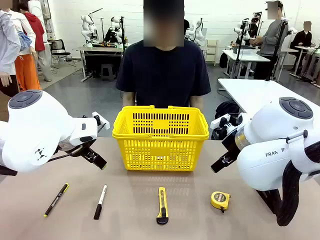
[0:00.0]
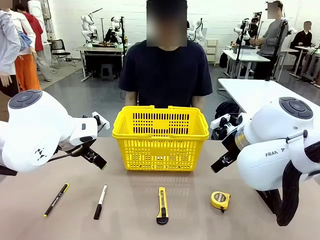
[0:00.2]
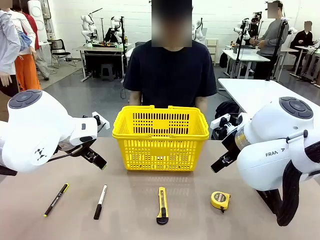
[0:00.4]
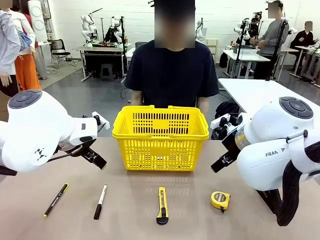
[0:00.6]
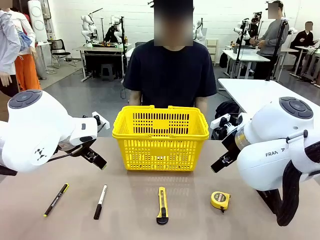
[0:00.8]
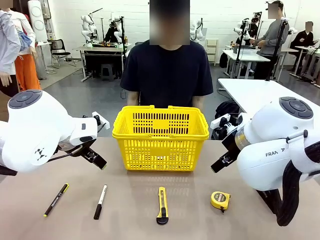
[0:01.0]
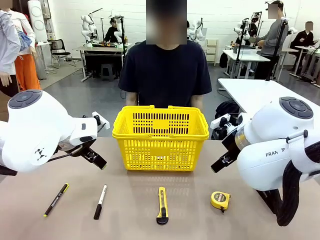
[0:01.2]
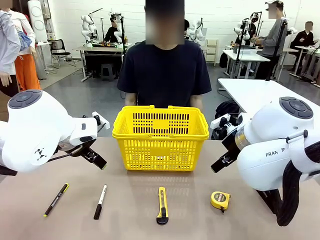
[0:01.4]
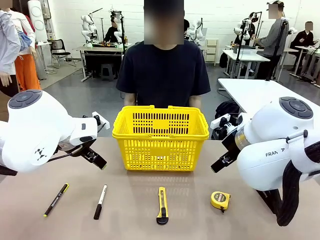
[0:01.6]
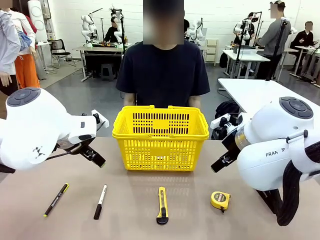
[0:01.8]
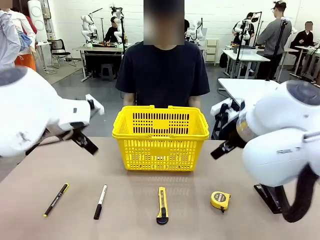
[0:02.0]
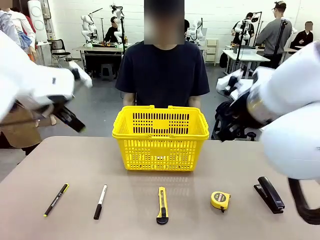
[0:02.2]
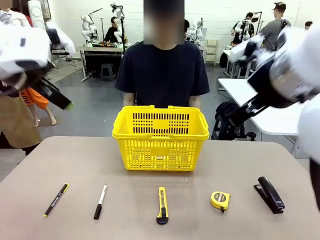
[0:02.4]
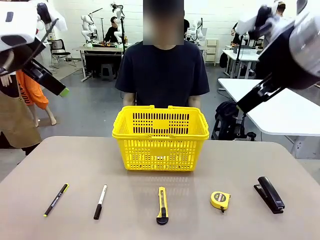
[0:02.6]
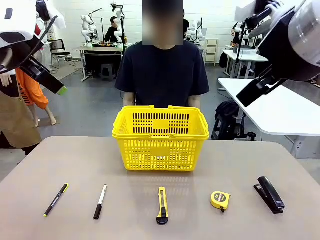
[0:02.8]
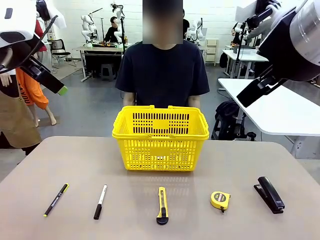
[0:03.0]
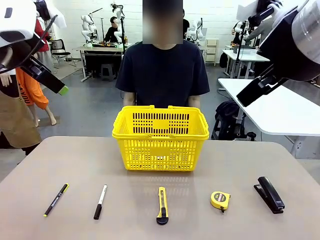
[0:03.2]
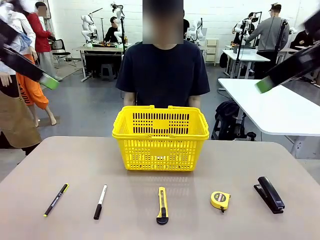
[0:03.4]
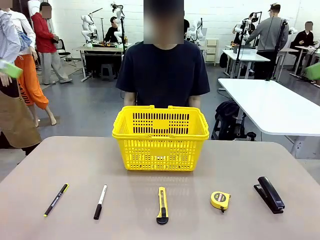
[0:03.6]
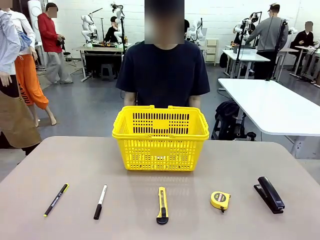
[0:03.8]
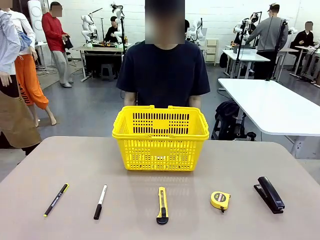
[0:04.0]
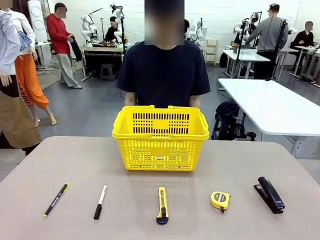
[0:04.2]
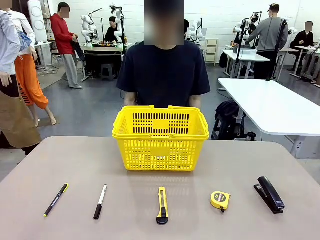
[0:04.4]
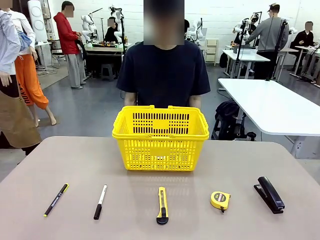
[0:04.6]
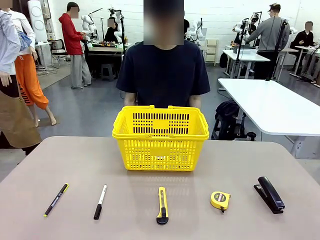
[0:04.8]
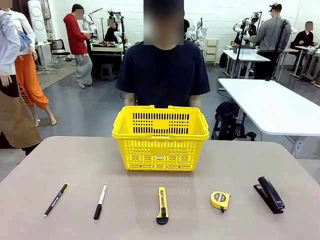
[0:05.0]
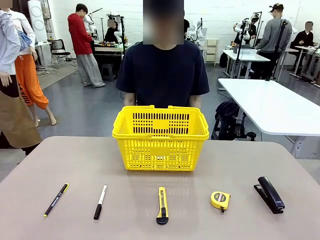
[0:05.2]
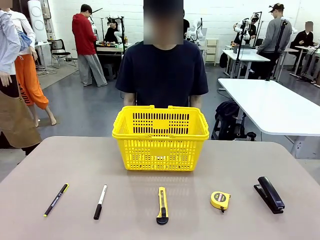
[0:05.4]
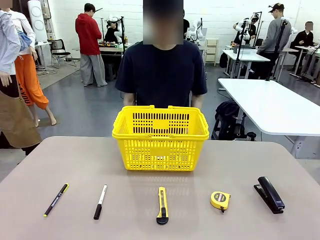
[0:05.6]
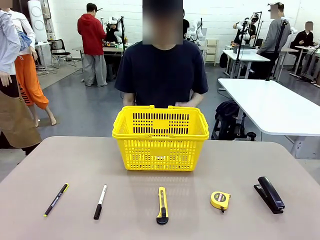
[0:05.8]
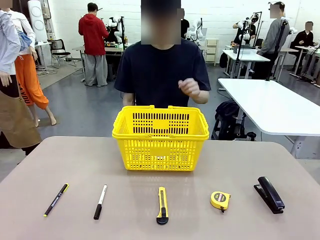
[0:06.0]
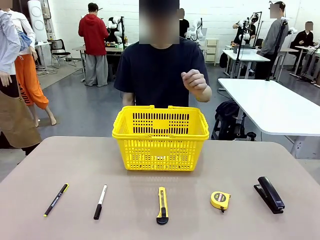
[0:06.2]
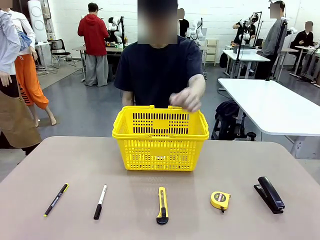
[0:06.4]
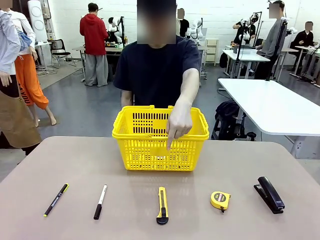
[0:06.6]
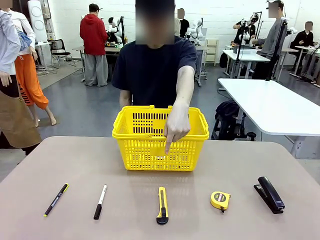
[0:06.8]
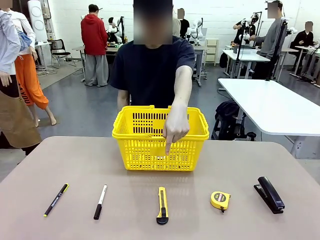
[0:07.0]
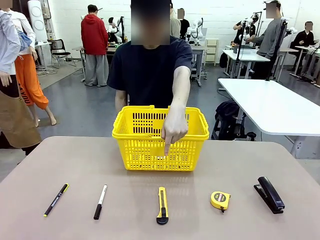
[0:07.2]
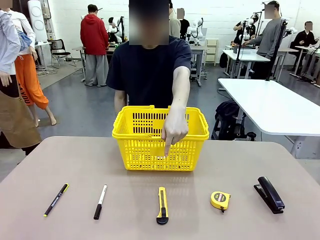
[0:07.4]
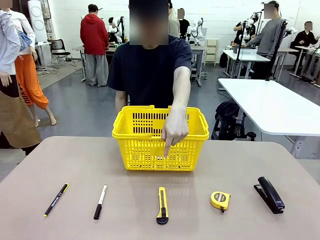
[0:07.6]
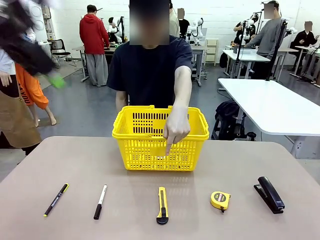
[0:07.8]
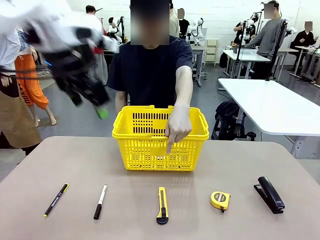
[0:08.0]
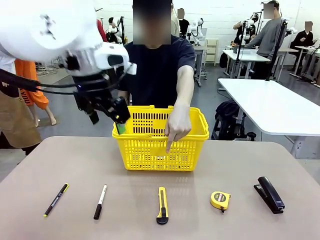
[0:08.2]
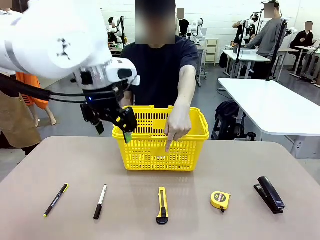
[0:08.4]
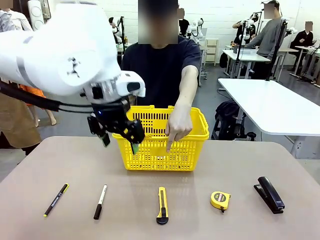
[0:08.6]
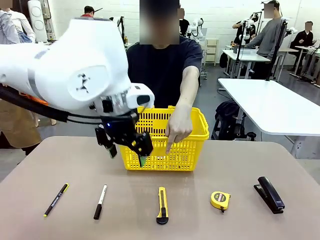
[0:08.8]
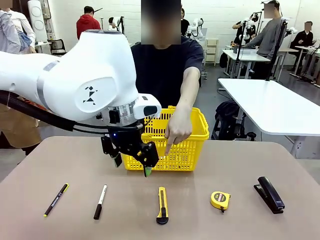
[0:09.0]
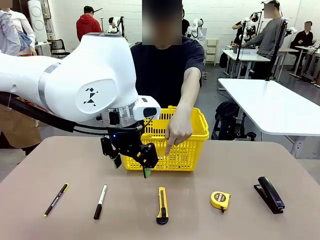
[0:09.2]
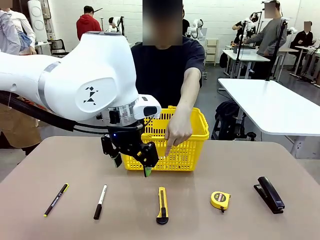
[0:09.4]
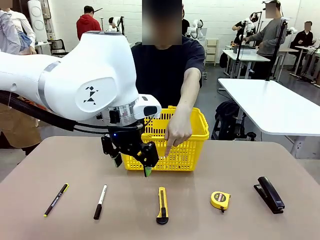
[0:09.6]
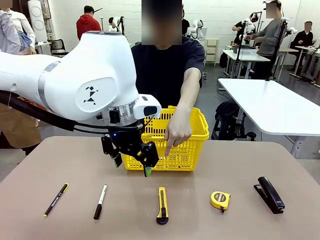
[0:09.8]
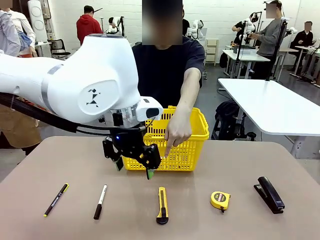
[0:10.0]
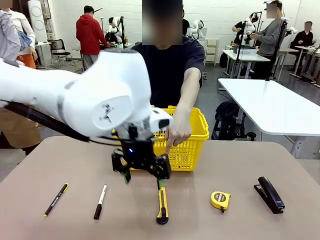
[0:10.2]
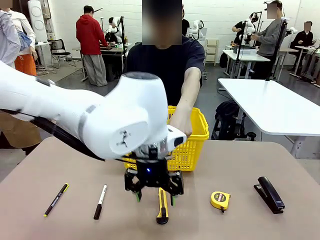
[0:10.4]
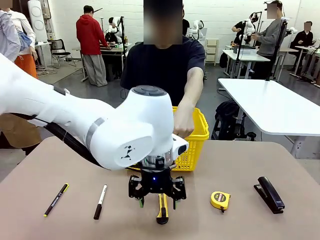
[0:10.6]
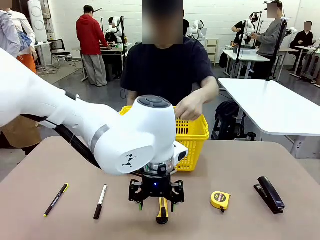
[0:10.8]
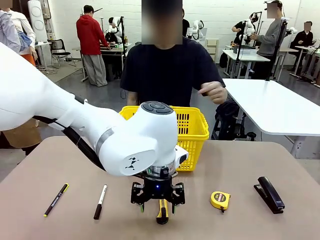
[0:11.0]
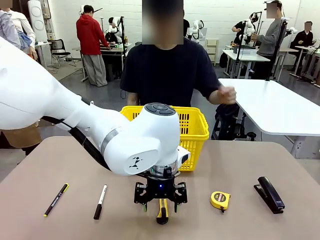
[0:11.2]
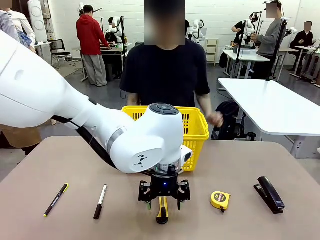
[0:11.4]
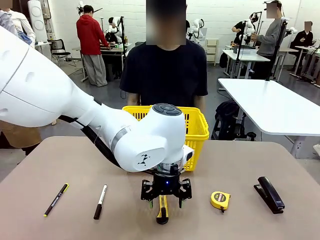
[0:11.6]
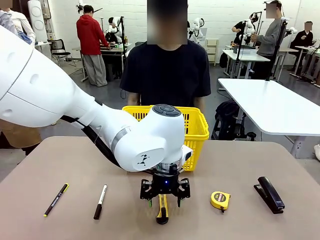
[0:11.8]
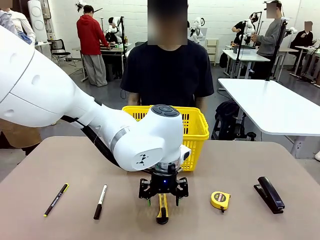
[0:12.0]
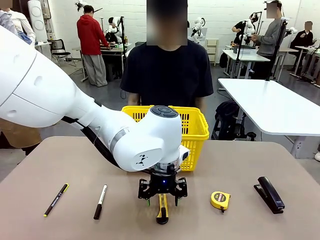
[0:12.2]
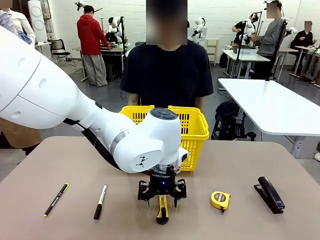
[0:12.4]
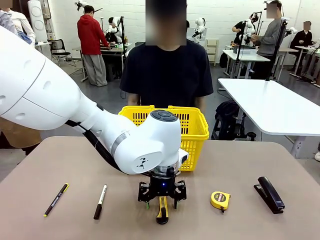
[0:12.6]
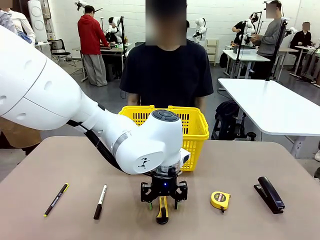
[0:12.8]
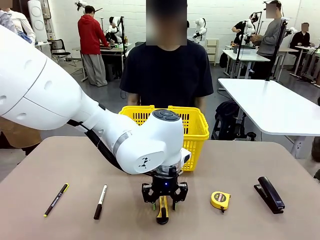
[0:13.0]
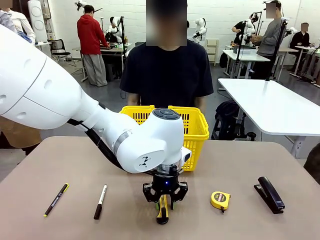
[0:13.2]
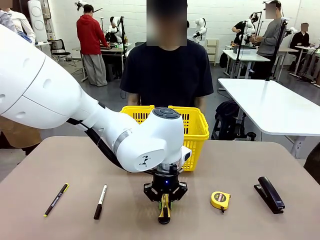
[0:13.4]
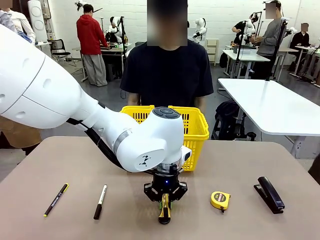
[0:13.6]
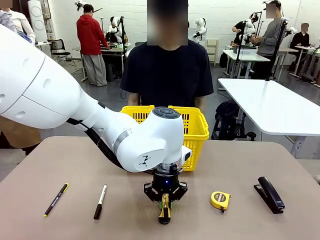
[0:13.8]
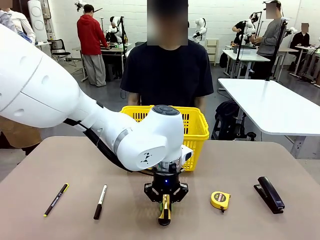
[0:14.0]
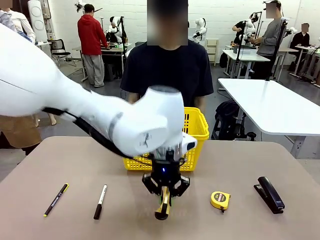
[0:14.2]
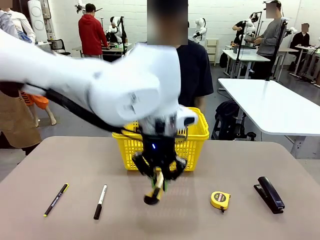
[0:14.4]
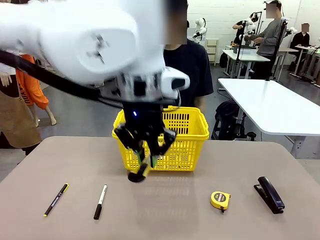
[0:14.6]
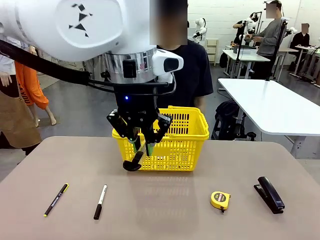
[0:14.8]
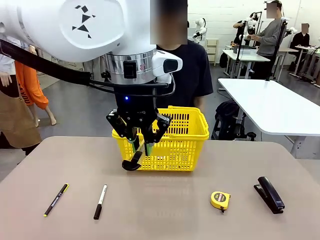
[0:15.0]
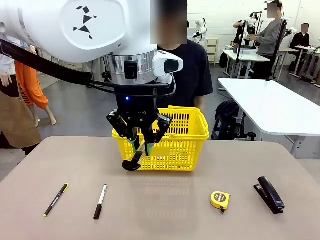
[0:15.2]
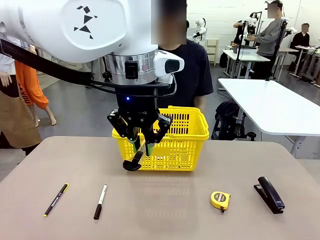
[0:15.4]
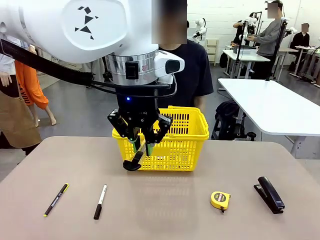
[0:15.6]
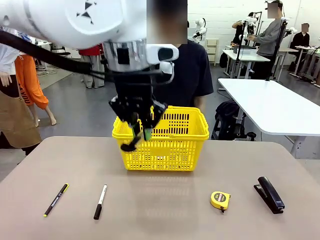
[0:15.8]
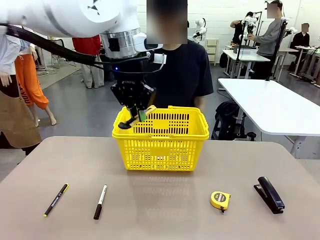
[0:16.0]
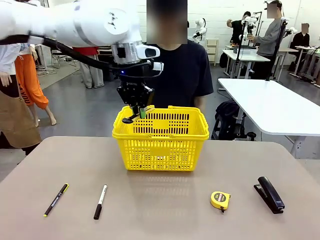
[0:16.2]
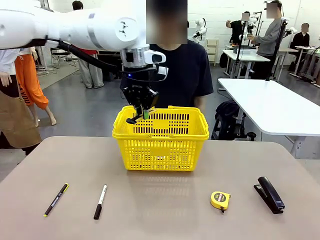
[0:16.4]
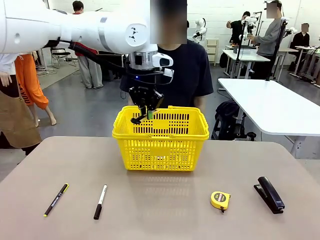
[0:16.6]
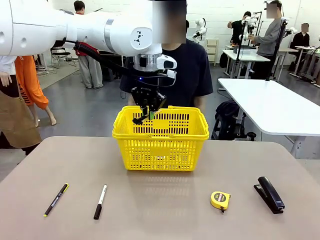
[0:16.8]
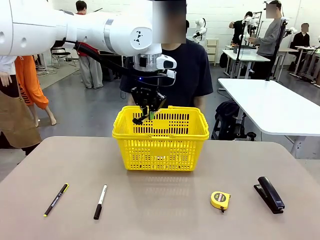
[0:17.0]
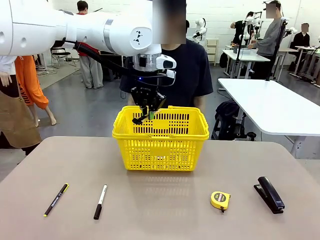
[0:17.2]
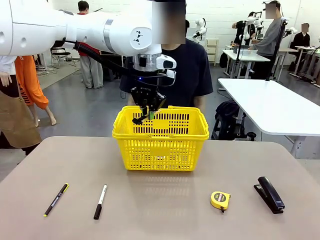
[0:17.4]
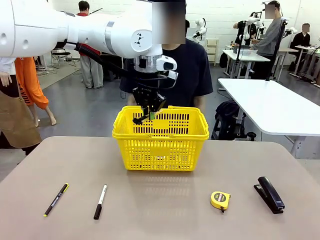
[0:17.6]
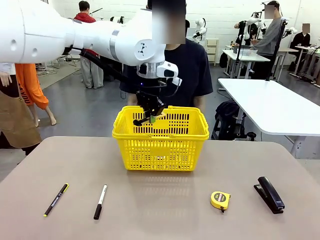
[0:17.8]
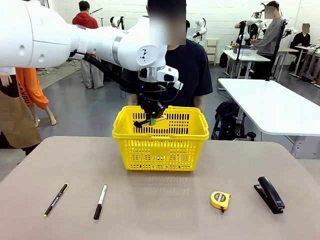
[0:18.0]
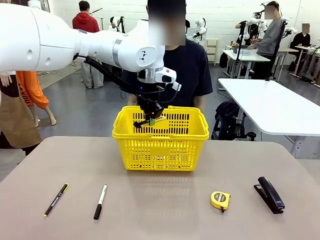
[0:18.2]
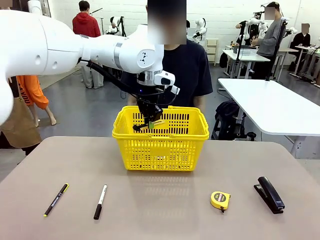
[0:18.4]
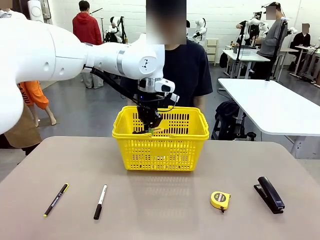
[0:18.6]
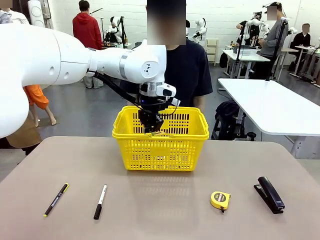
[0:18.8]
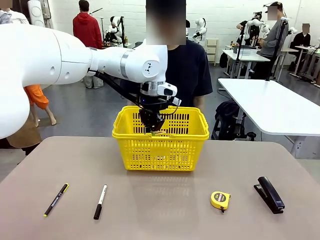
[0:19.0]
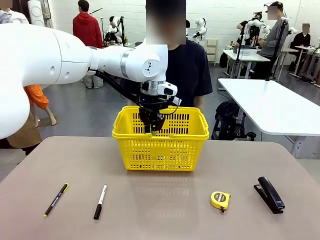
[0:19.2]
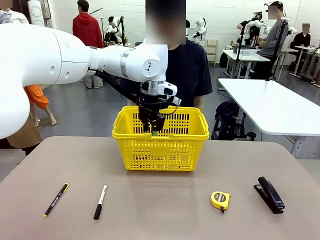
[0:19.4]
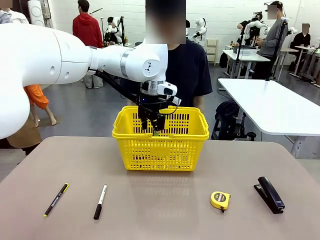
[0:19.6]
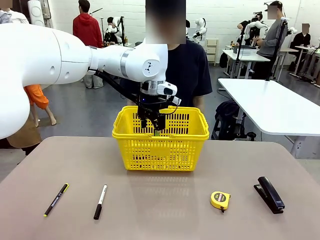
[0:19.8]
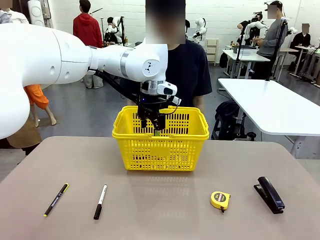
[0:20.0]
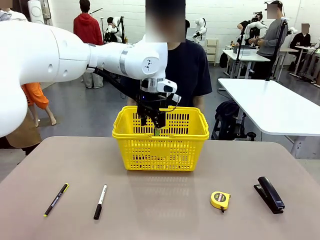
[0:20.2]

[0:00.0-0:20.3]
Task: Place the items the person wants into the basket.
Robot: Pick up the item the person points to and place it in the Market Basket.
